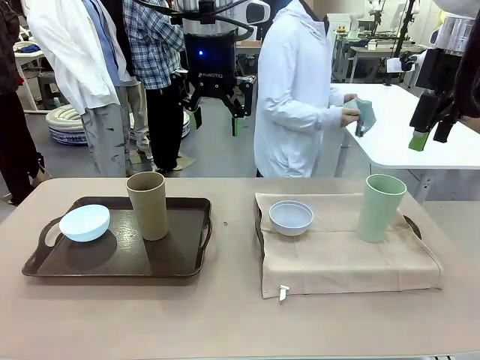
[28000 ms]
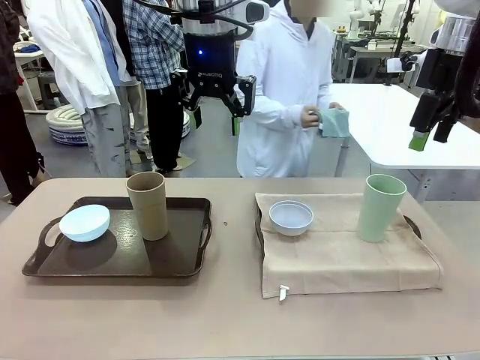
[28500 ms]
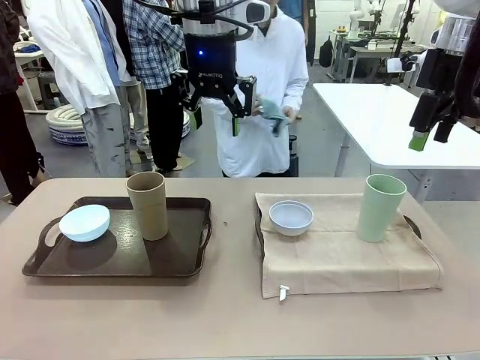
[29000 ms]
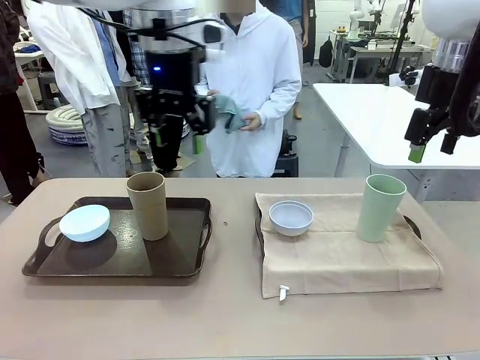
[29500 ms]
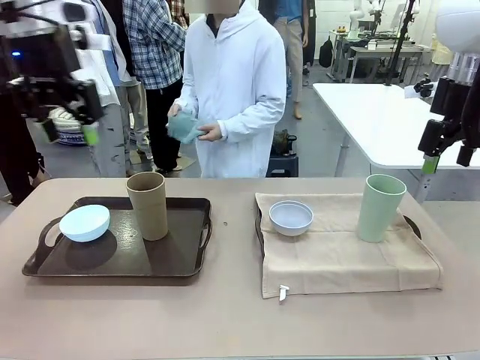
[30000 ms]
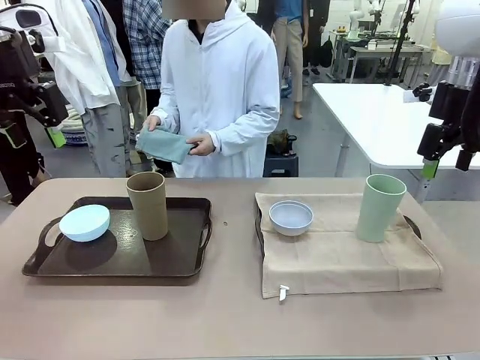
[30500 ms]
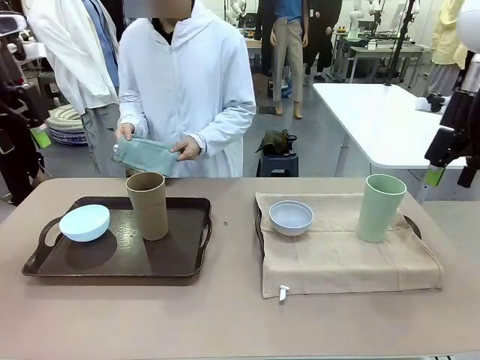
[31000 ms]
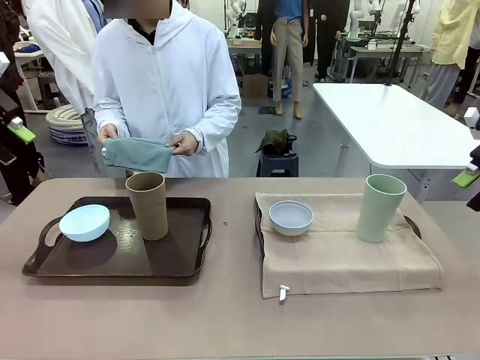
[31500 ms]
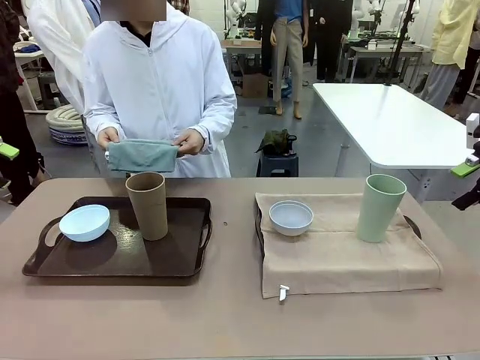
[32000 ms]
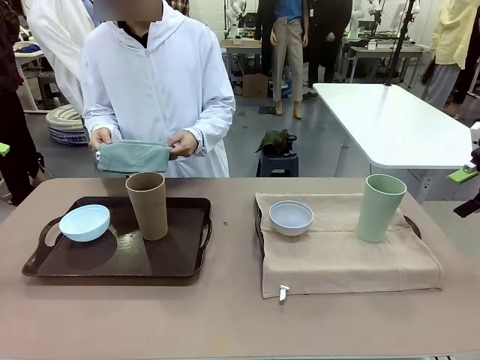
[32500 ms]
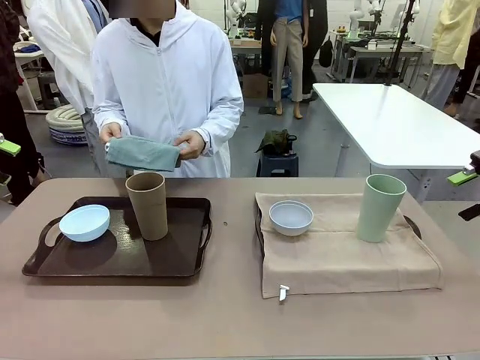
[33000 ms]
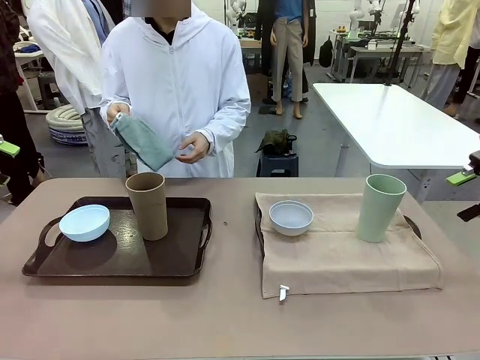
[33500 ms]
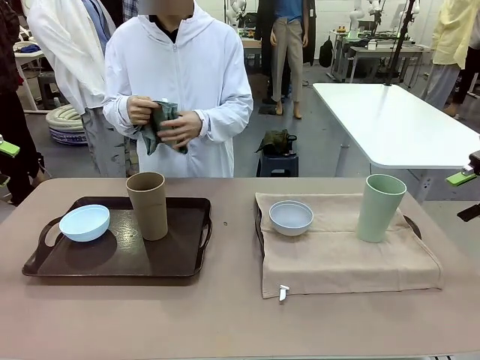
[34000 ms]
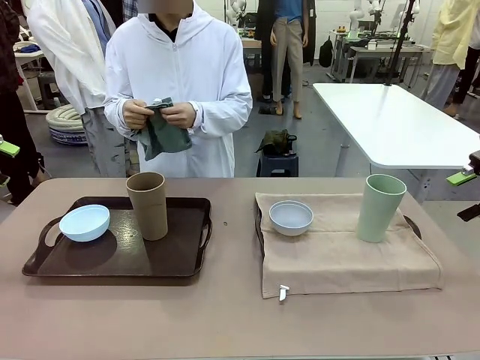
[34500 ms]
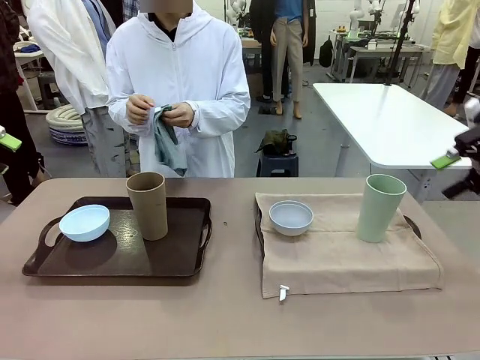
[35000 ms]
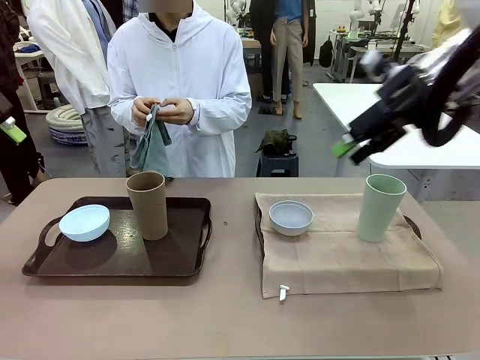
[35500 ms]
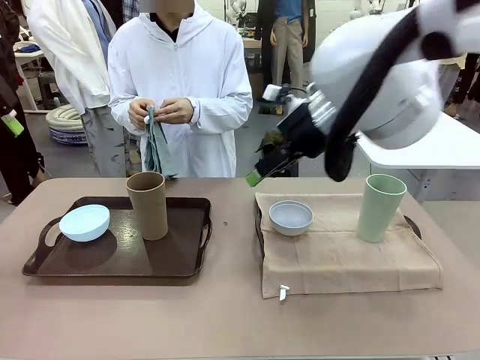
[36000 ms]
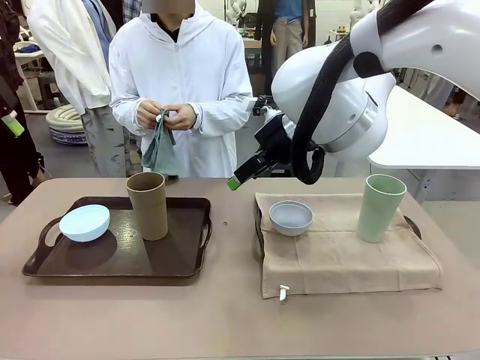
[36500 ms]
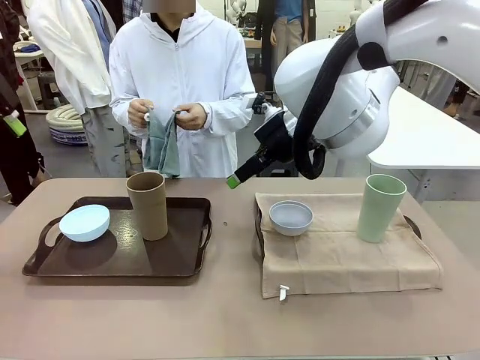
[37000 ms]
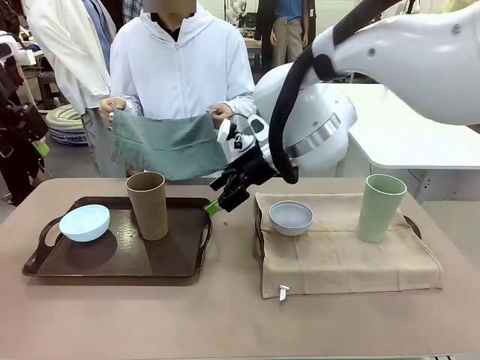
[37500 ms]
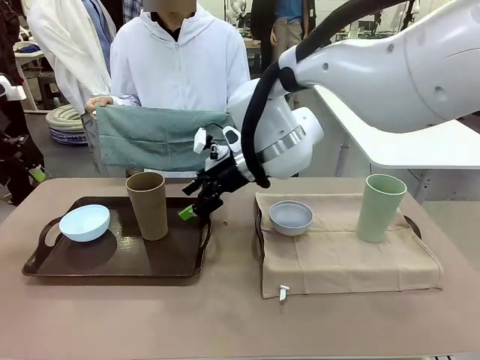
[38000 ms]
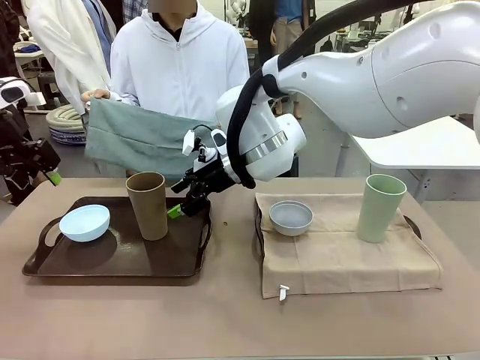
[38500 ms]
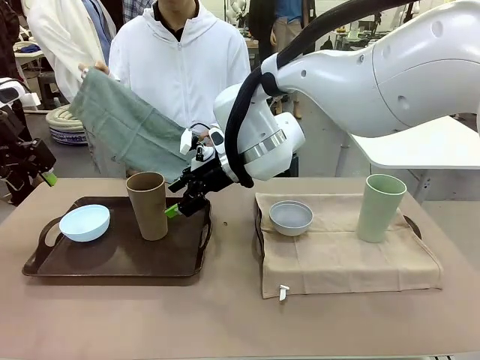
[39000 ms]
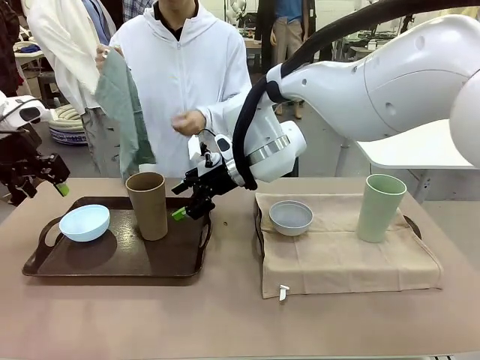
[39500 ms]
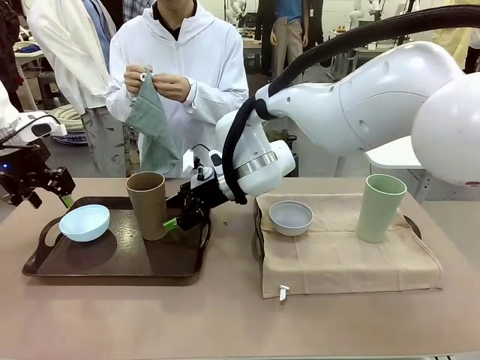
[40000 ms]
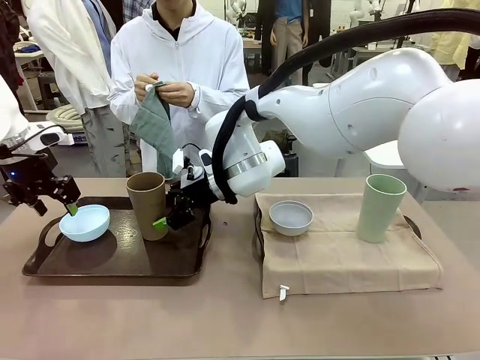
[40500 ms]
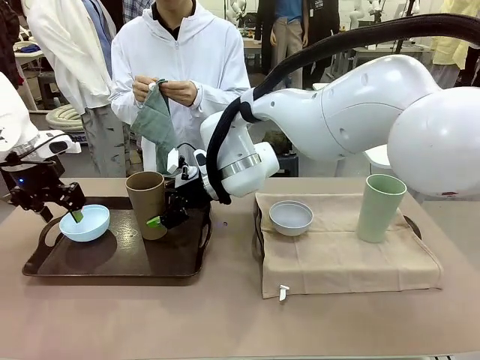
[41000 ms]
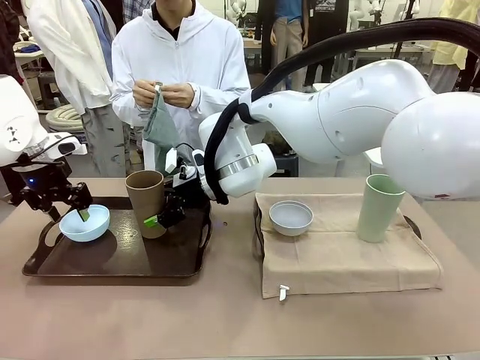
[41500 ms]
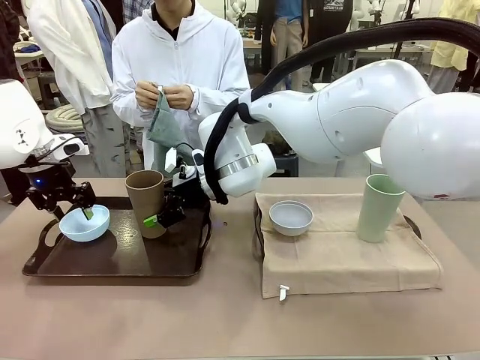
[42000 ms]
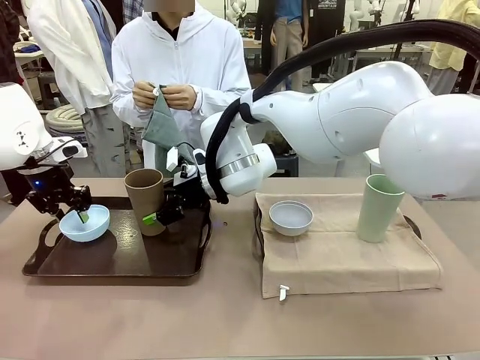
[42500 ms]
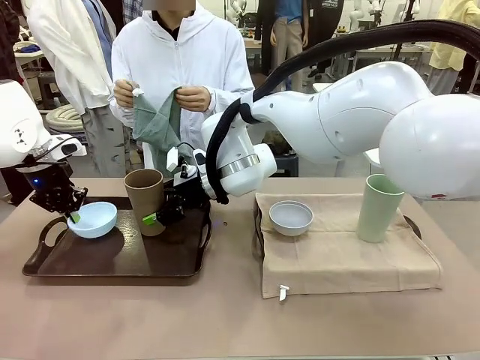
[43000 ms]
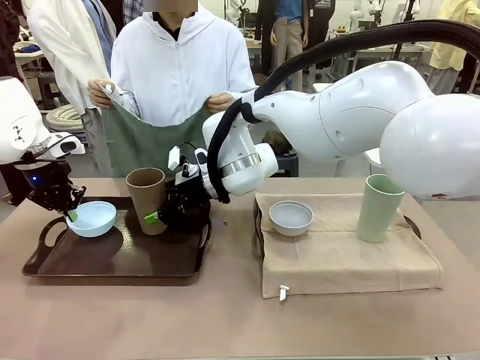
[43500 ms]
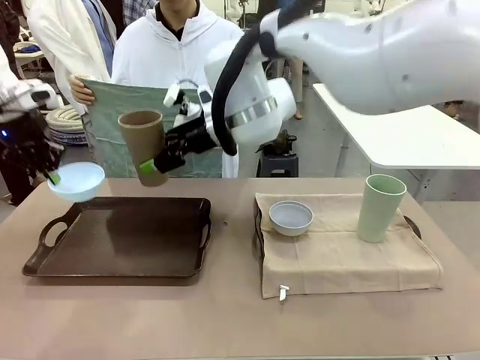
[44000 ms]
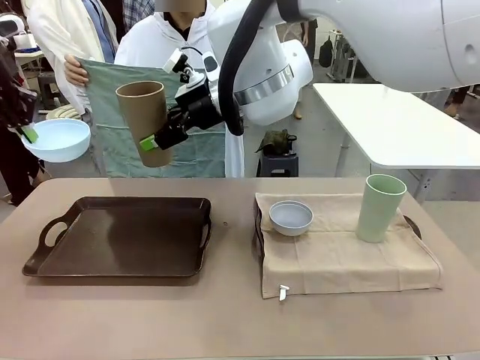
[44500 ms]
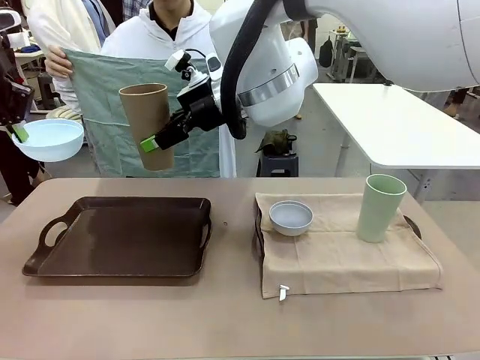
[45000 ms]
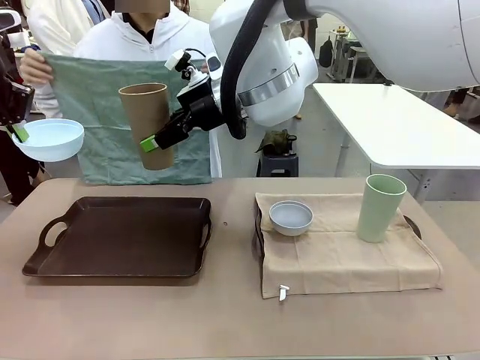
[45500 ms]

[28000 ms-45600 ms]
Robot: Pick up the Picnic Bowl and Reusable plastic cup from the Handle tray in front of the human's position and hold them in the air.
Person: When the robot lifts the bowl and the cup, the human unfolds the napkin and lays the napkin flat on the tray.

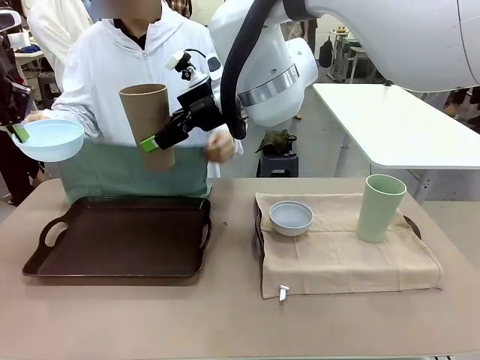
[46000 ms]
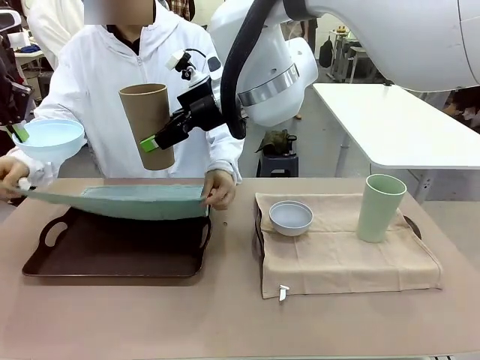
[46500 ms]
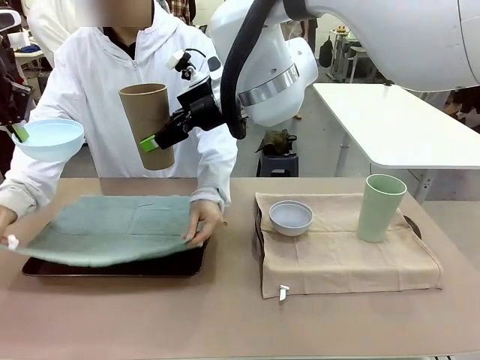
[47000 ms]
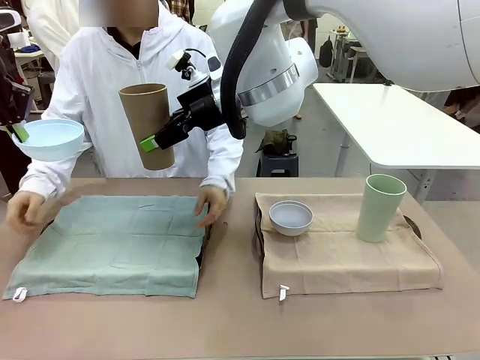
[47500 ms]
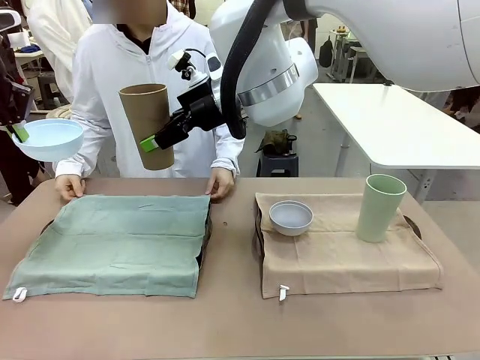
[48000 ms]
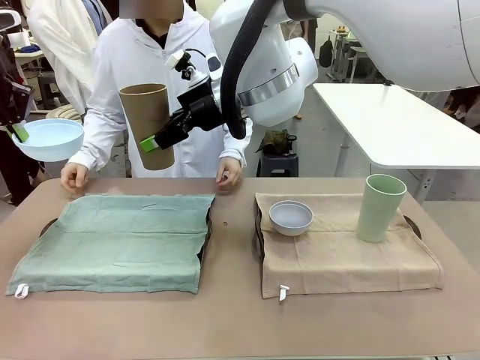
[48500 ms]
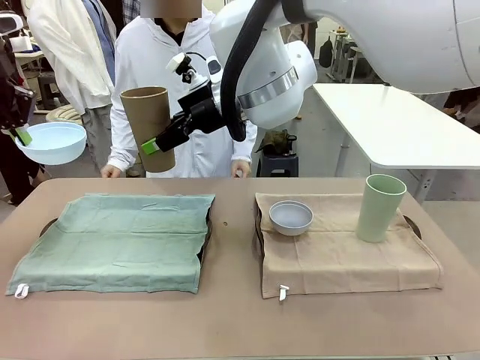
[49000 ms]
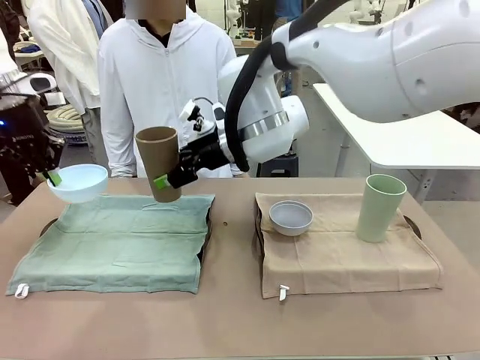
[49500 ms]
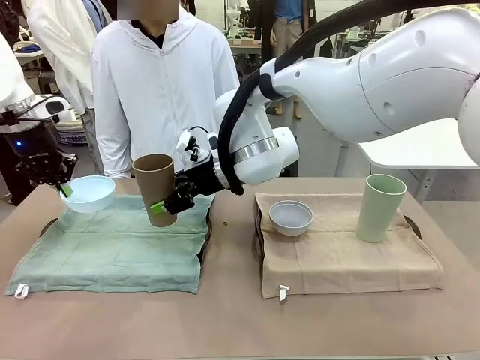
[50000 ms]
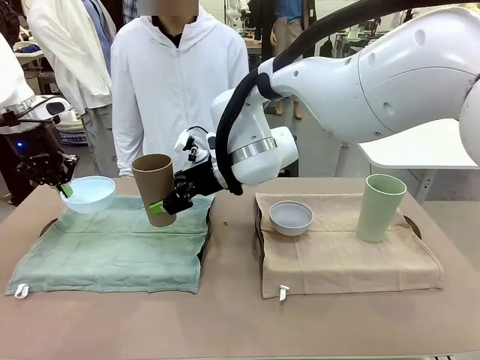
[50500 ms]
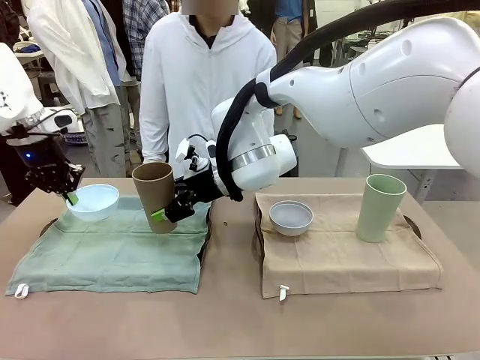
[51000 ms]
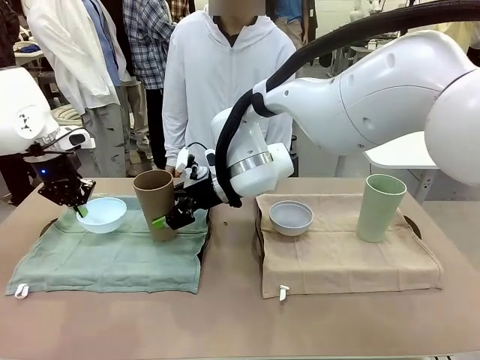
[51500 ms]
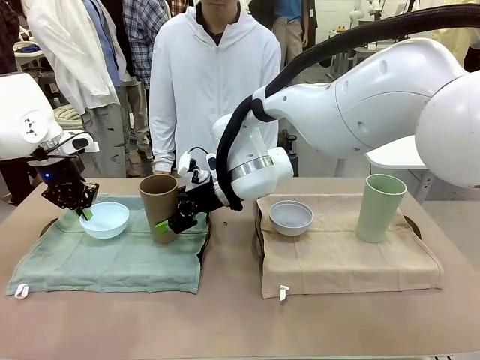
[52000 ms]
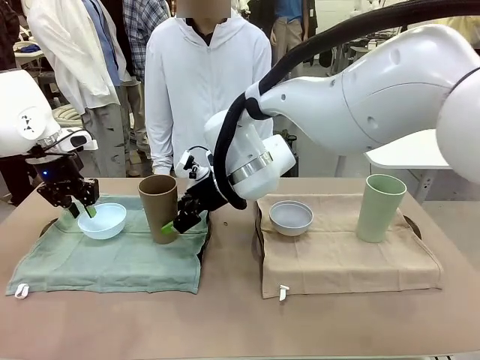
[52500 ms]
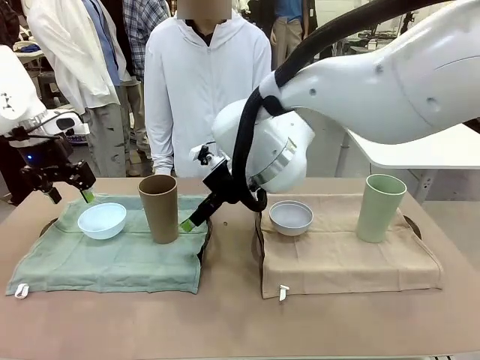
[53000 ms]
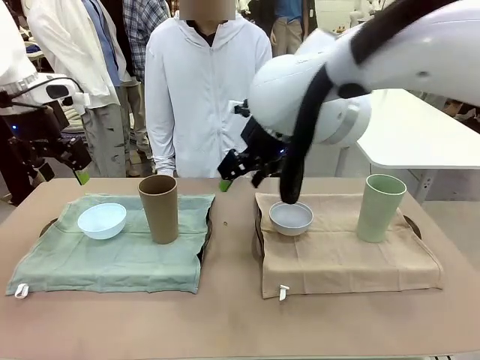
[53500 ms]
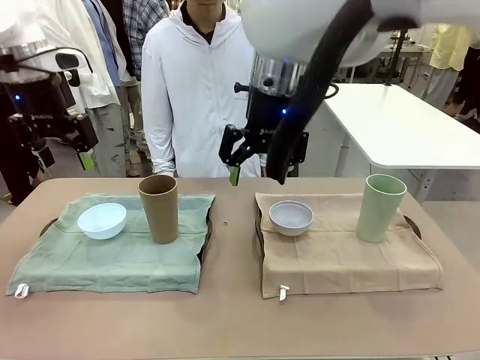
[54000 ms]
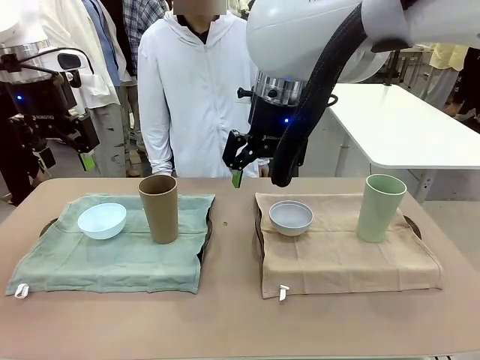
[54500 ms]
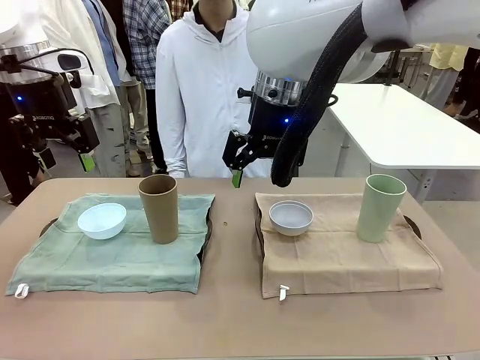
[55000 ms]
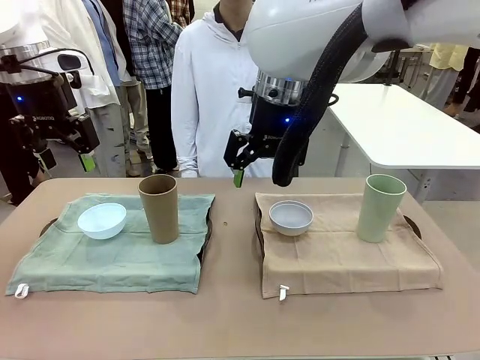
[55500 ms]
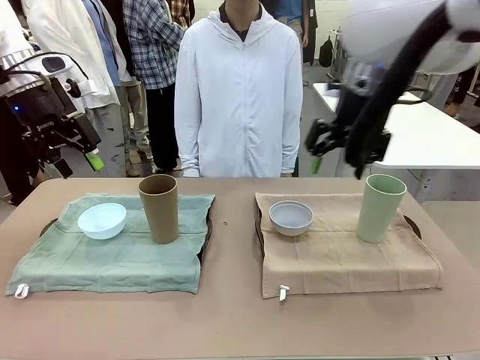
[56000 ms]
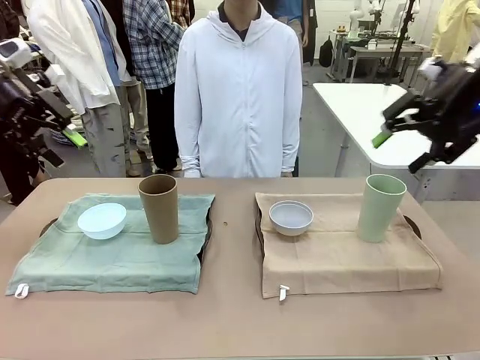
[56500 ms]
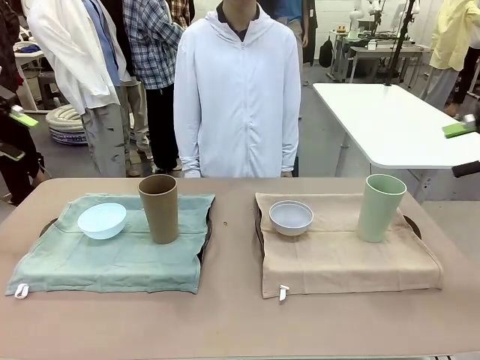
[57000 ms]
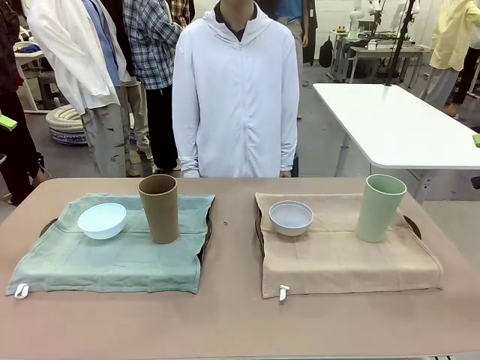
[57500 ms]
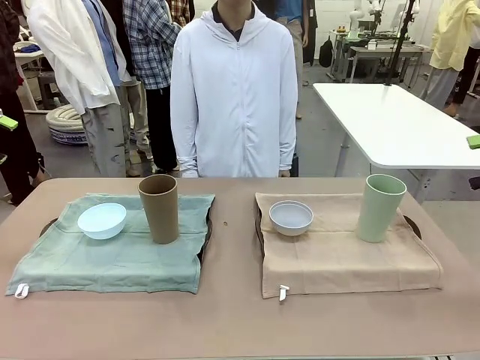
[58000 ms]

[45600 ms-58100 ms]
Robot: Place the Picnic Bowl and Reusable plastic cup back onto the Handle tray in front of the human's position.
